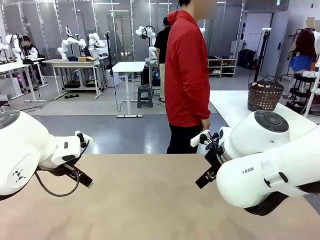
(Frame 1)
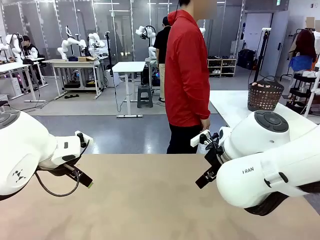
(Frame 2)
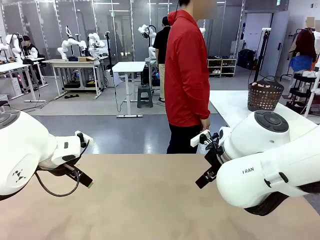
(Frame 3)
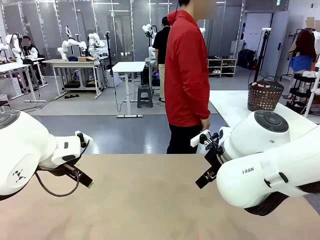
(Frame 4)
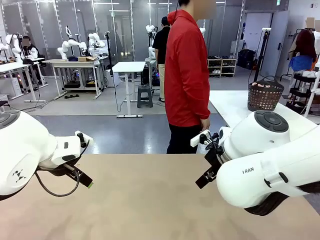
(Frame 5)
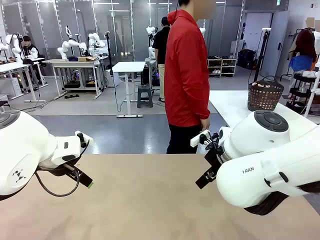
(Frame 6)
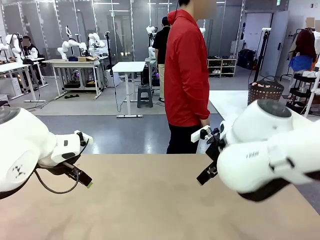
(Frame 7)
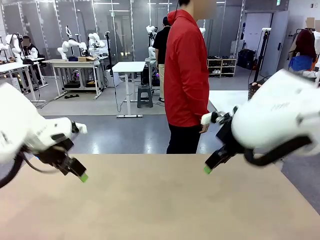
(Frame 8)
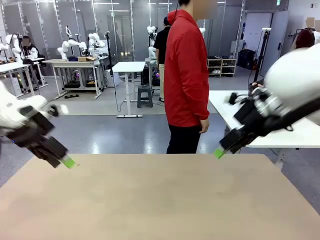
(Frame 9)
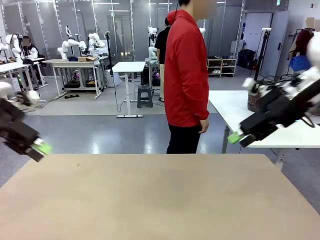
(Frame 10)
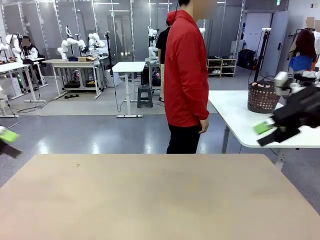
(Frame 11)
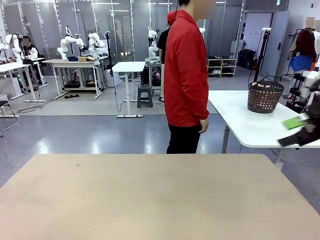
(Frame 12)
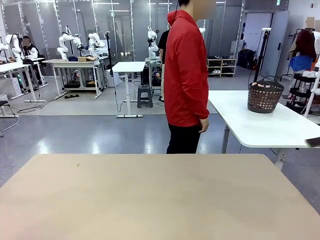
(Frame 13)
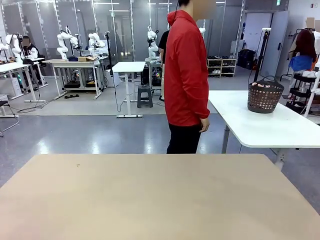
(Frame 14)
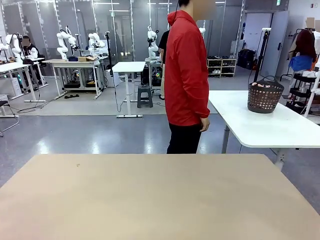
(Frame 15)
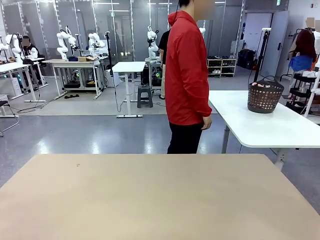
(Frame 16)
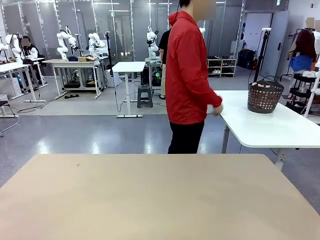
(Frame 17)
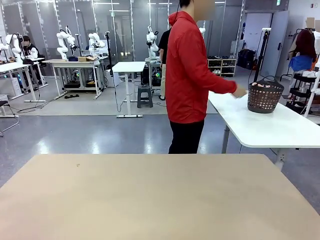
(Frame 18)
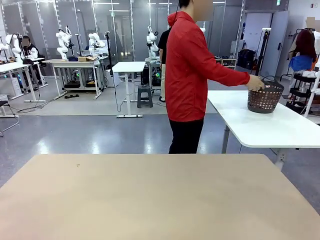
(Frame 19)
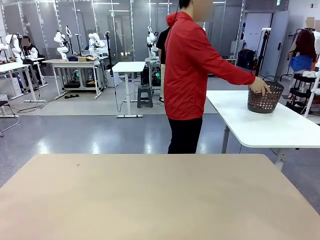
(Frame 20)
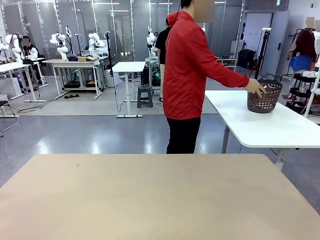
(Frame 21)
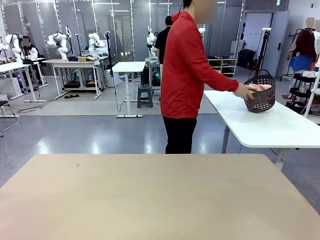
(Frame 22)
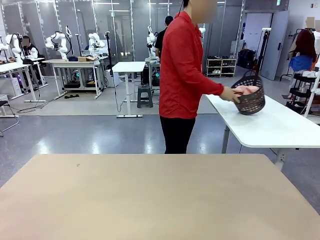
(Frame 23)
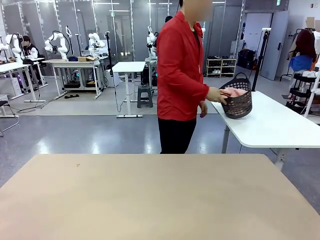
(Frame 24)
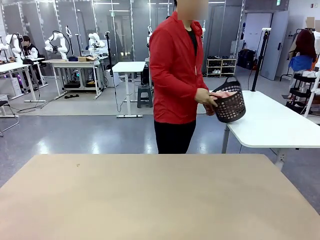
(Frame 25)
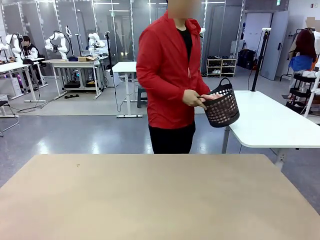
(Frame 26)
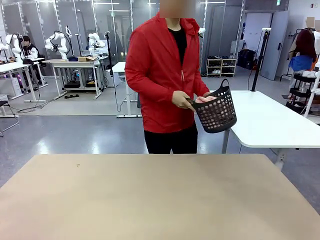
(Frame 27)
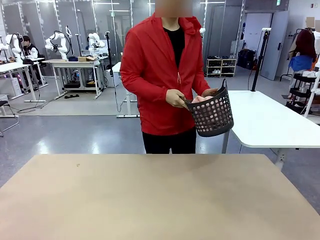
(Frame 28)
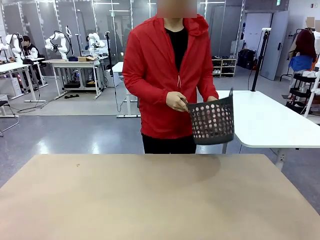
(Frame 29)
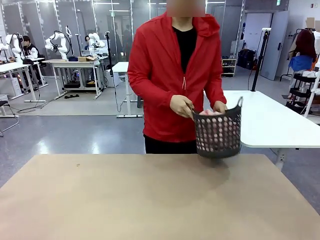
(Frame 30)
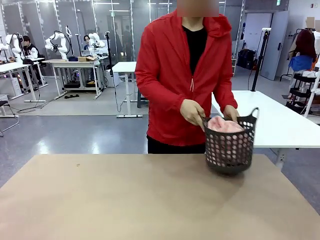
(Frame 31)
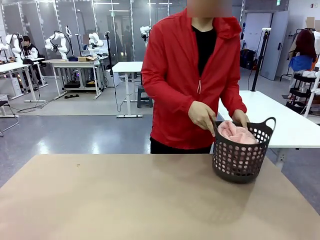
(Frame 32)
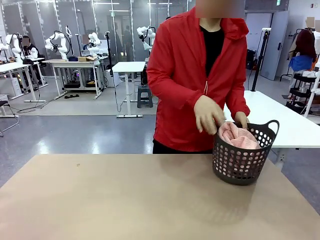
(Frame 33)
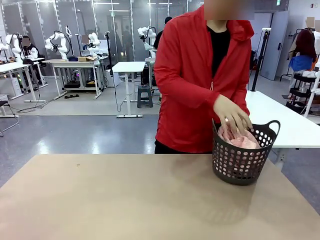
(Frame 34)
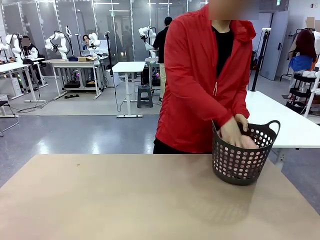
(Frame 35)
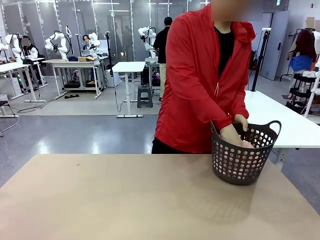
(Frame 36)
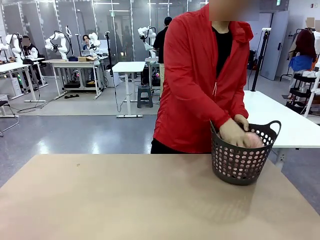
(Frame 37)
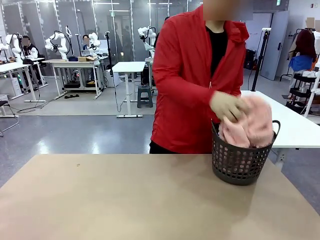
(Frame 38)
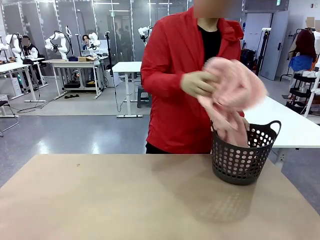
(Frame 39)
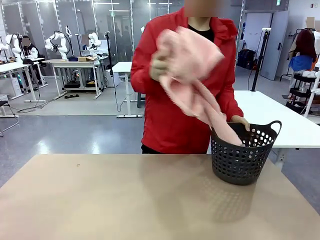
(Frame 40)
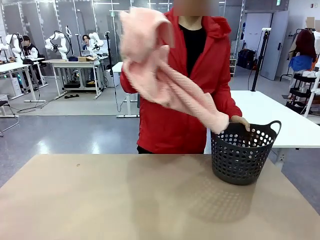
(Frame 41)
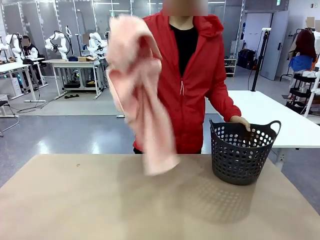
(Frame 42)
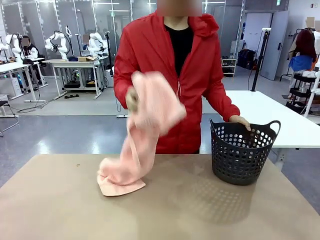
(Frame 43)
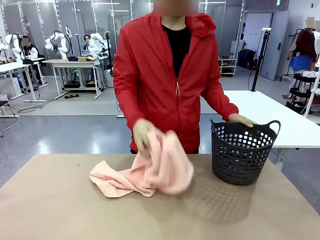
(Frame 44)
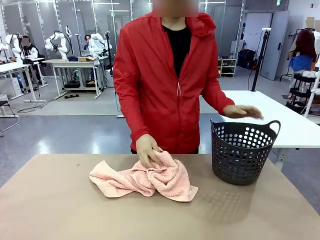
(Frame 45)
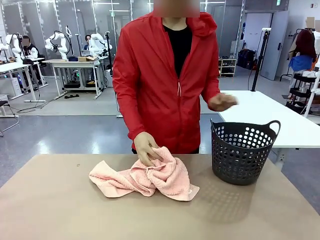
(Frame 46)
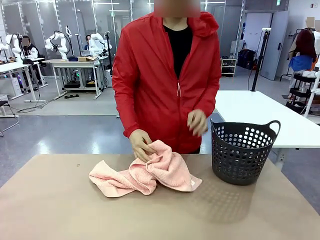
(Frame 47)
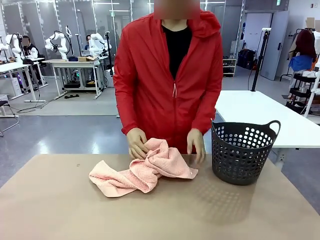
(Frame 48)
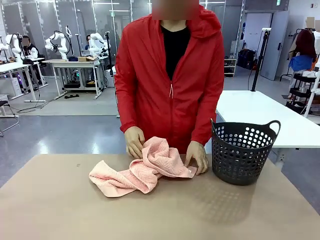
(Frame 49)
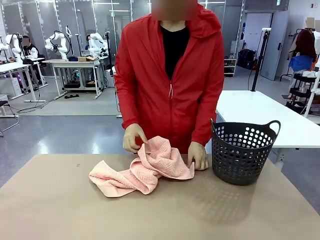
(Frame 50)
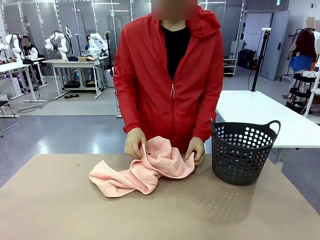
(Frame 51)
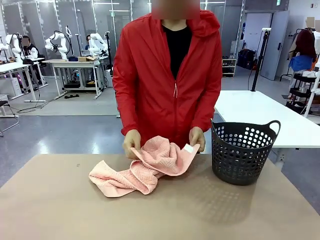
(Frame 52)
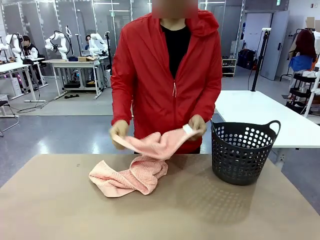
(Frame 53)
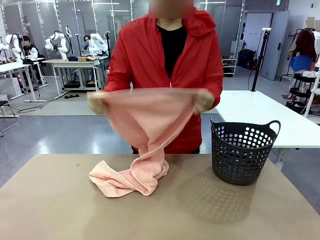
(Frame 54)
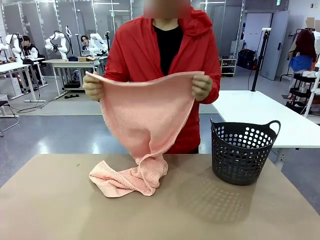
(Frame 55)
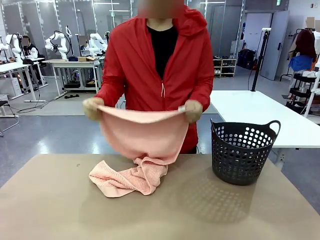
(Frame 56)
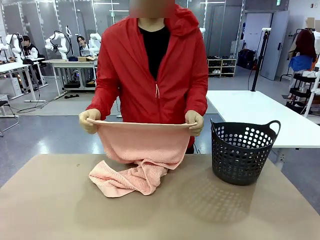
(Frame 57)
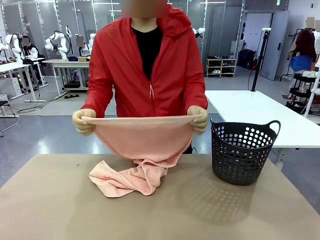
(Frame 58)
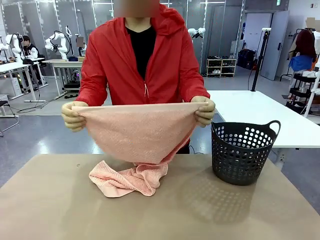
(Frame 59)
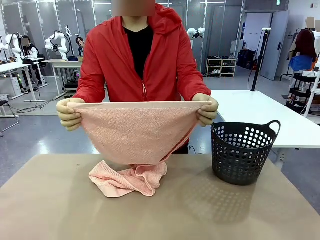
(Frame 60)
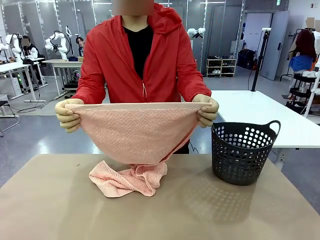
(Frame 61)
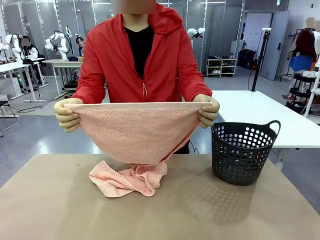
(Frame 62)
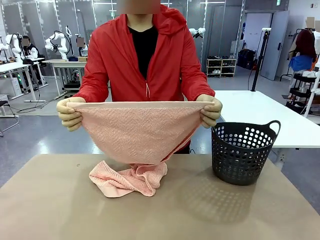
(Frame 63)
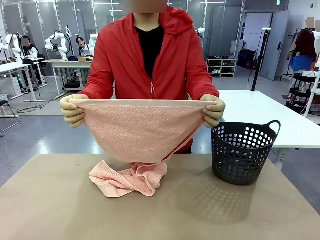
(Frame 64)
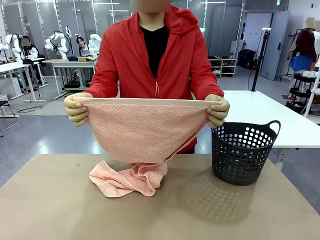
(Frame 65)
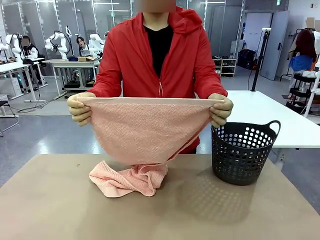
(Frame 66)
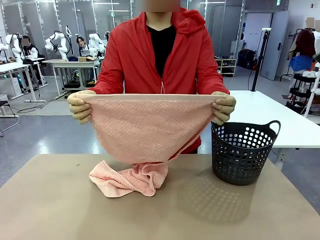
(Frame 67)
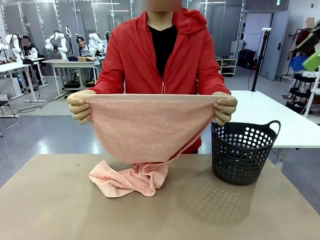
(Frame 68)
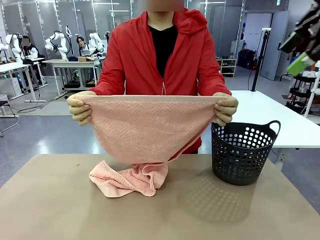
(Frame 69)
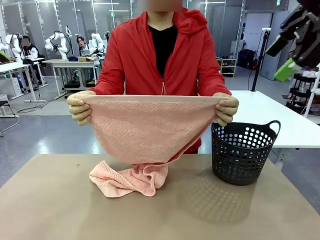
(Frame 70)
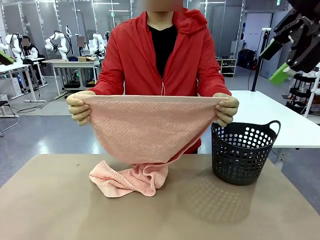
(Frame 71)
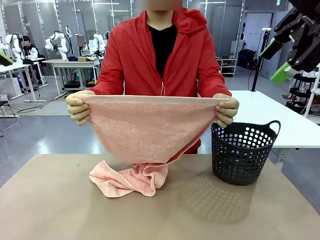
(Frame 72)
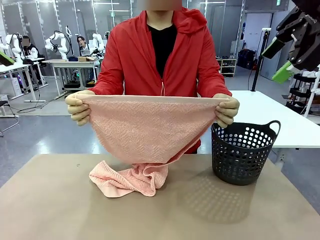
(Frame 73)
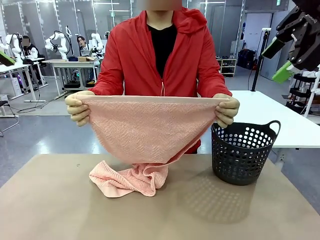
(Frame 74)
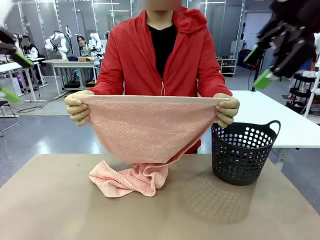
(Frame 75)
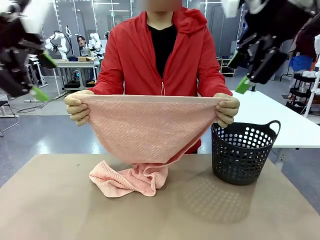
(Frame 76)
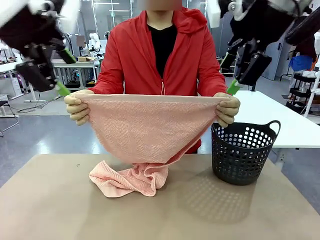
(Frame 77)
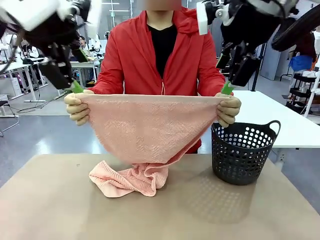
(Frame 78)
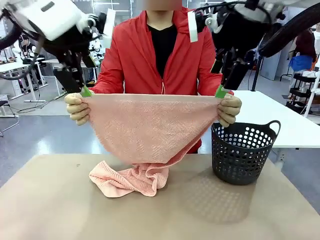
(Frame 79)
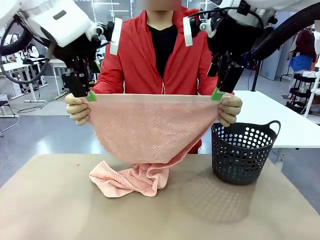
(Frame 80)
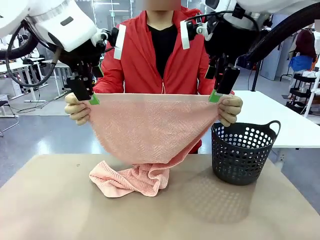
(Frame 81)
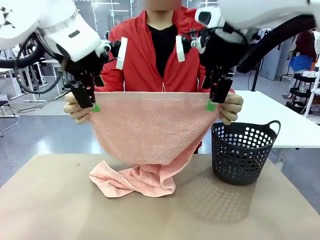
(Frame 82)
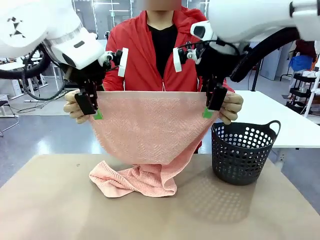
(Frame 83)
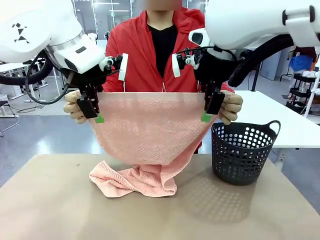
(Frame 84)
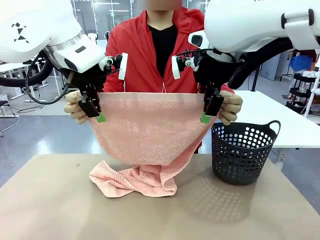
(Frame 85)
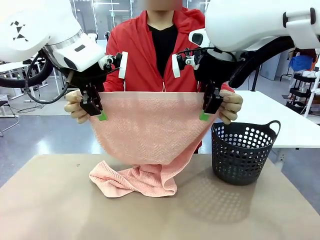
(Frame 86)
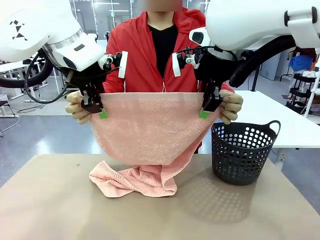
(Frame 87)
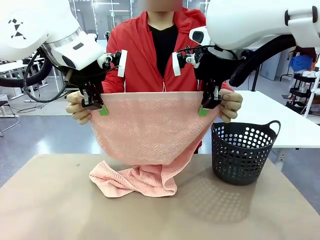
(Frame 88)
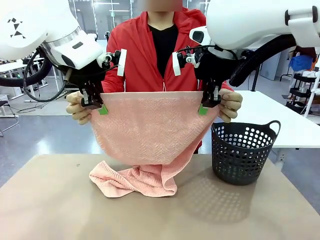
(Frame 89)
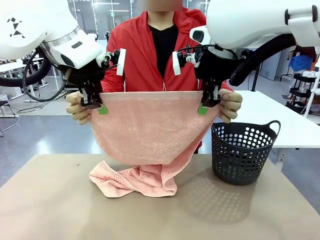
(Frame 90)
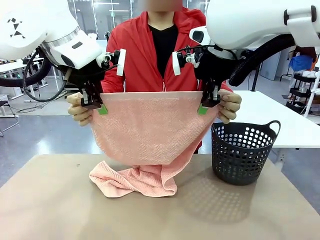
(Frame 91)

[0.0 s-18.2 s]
Task: Fold the towel.
Robot: Grab the top end of the 100 cm Hotel Towel extended by the human.
Person: Pick up the laundry basket, place it on the left side of the robot table, then take out a towel and hand it to the robot while holding both corners of one end.
